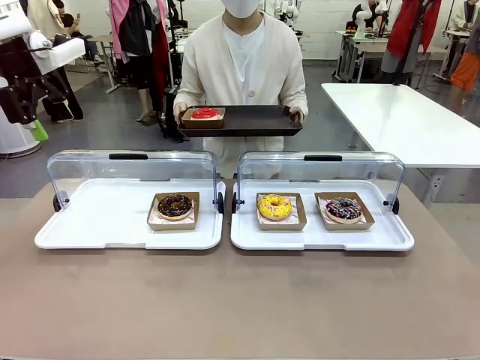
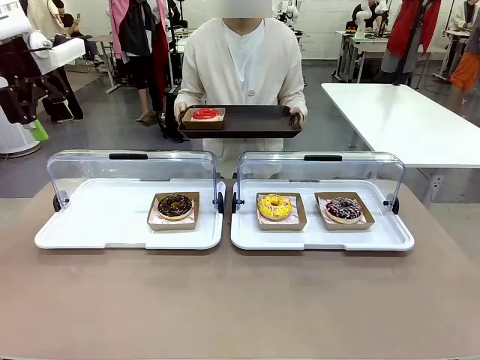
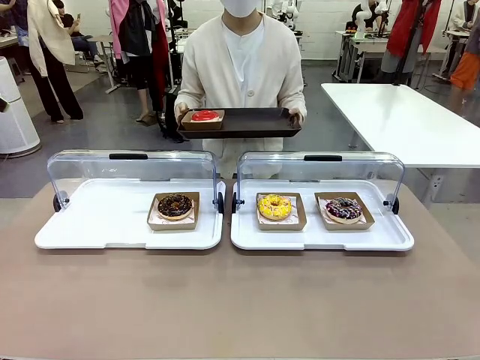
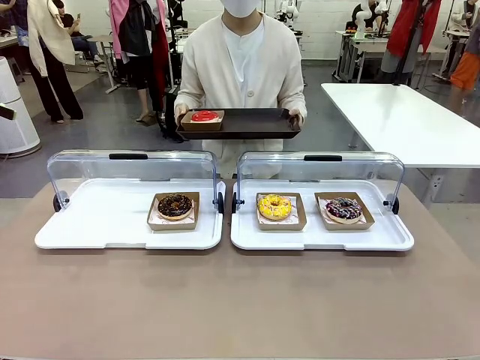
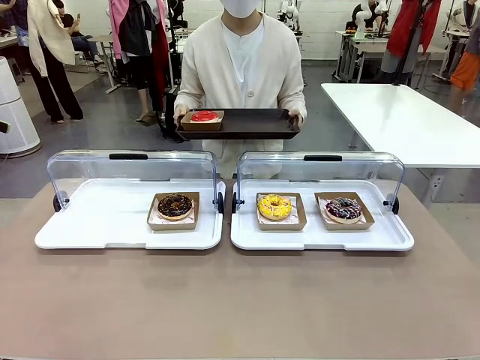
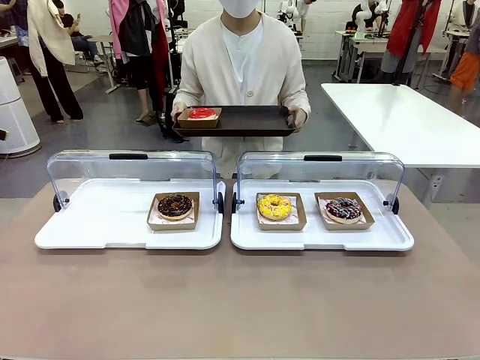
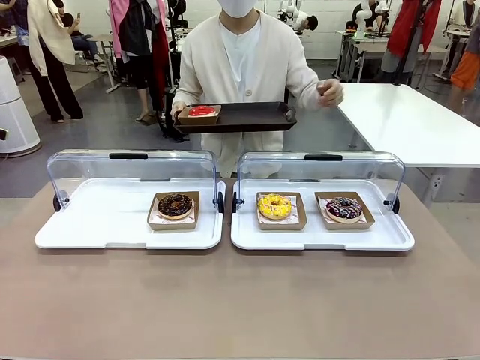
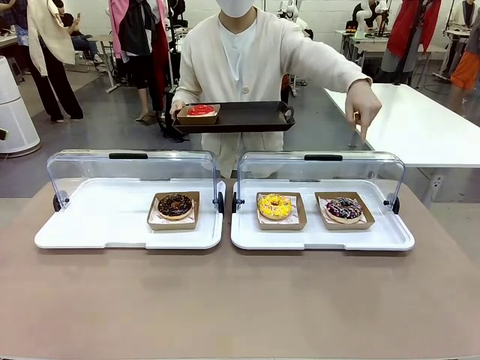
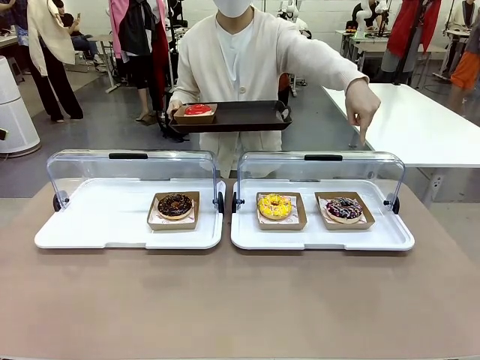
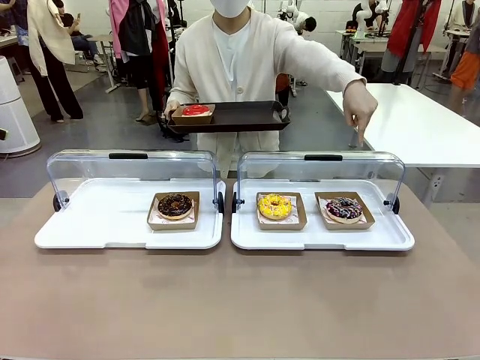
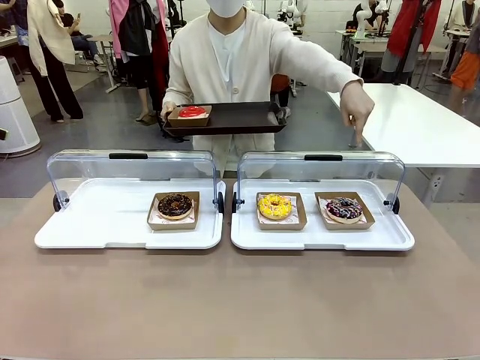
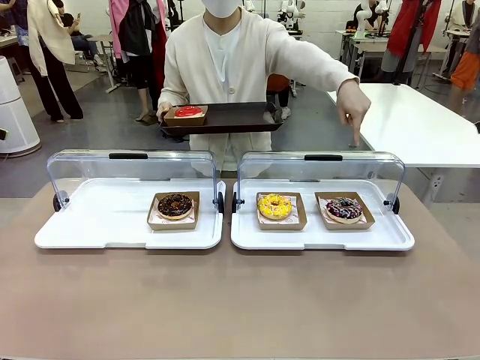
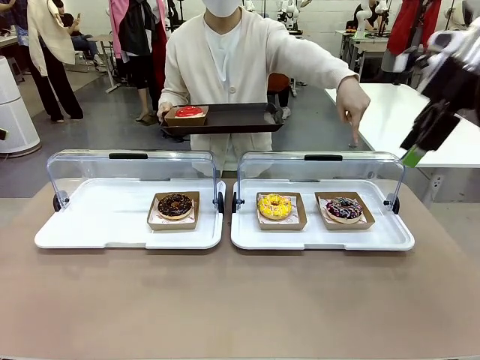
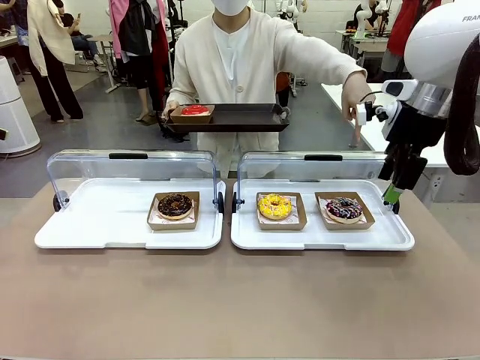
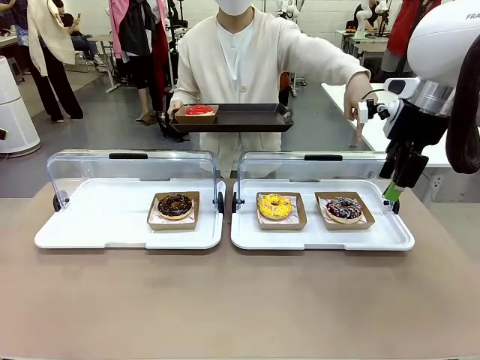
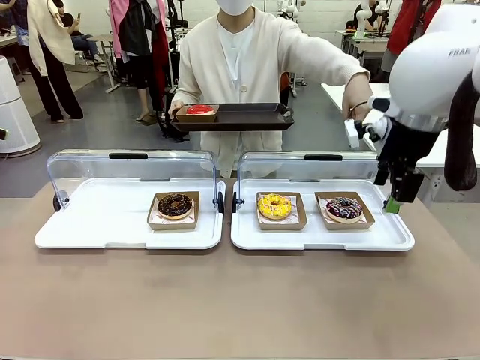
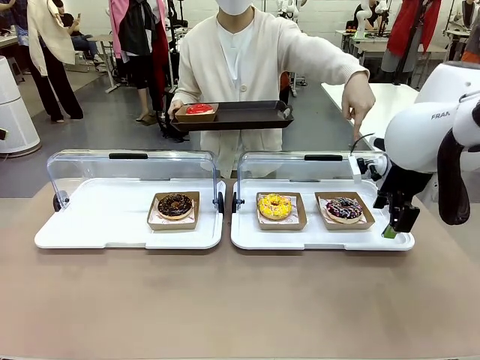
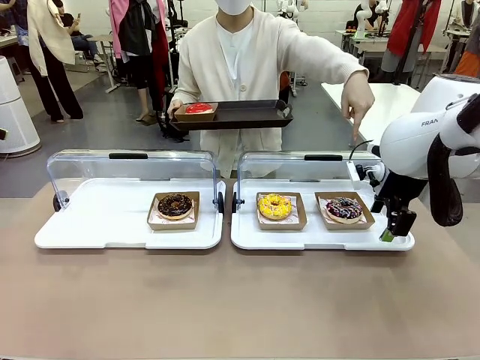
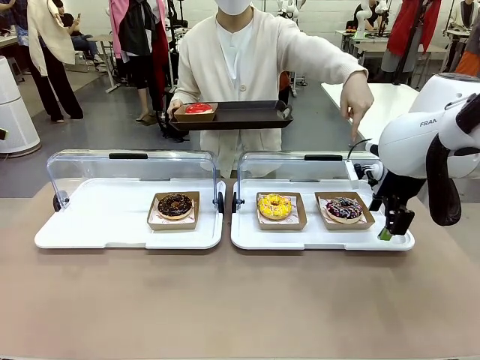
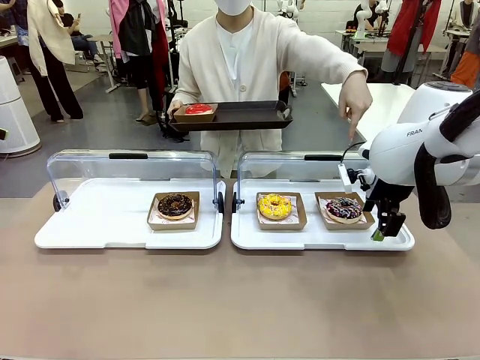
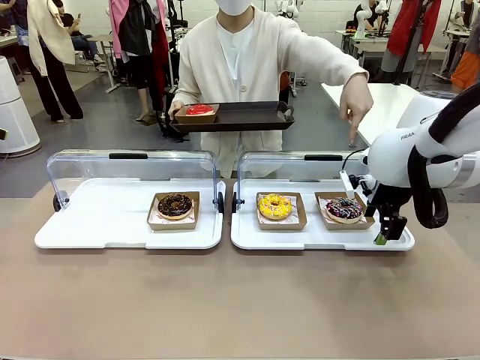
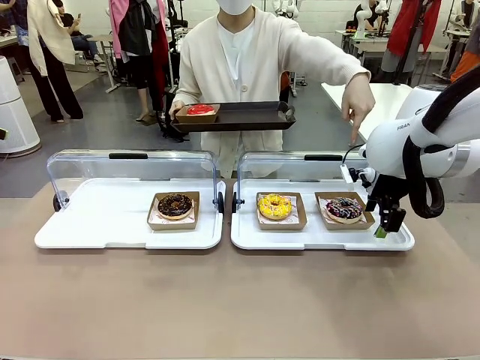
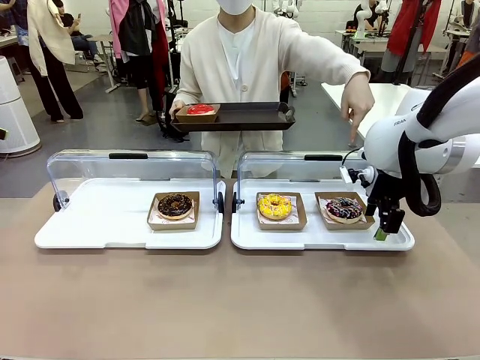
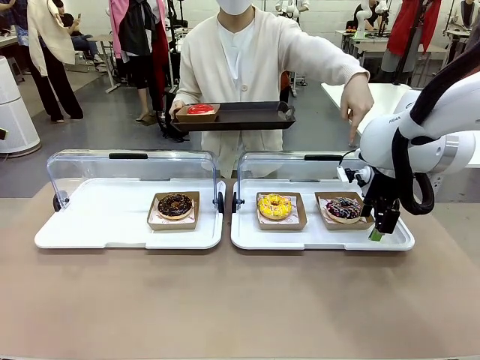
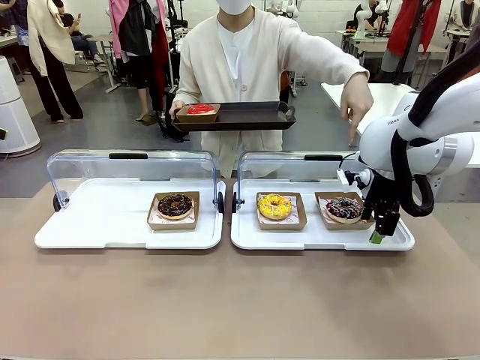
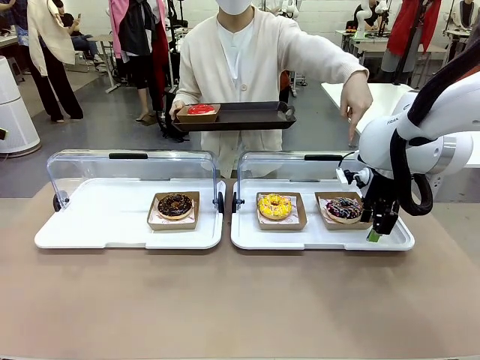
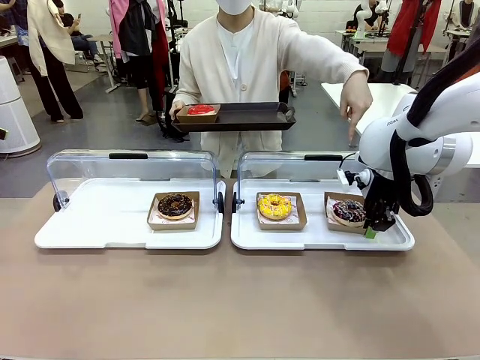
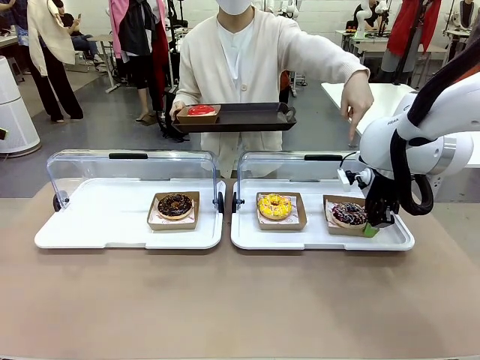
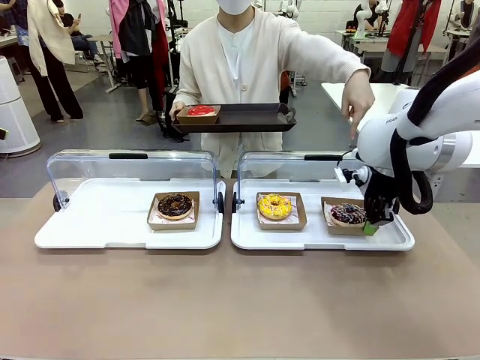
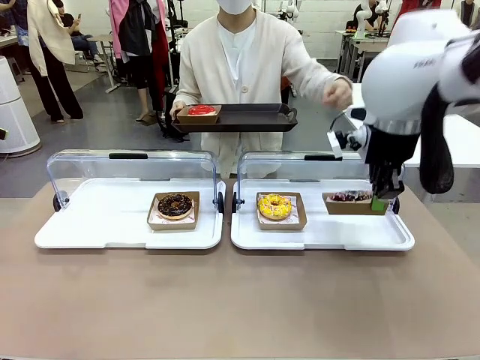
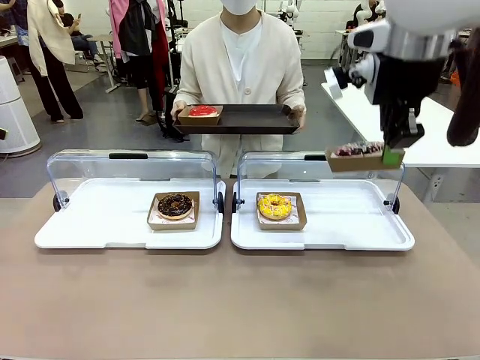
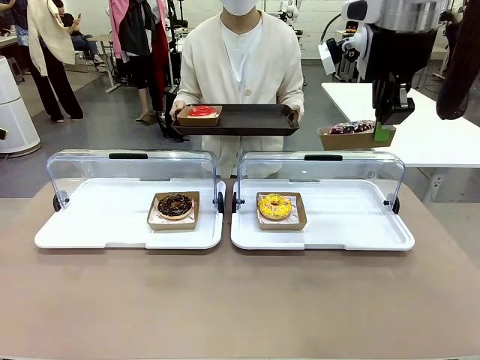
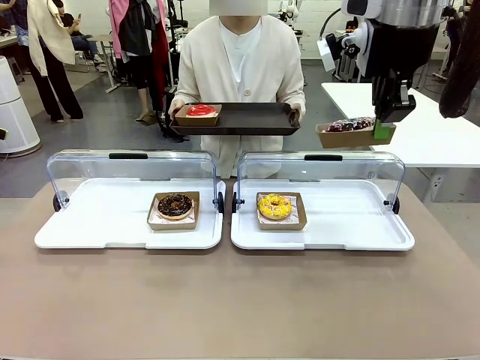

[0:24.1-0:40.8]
Task: Provide the desired donut to the person.
Robot: Pick up and lift the Paper togo box containing the Donut pointed at by the person.
Person: Point to one donut. Lift the tray onto the Roll-Top Bakery Case.

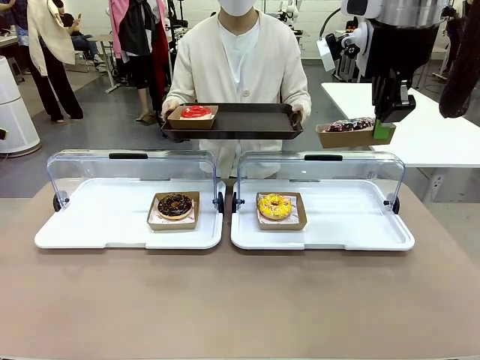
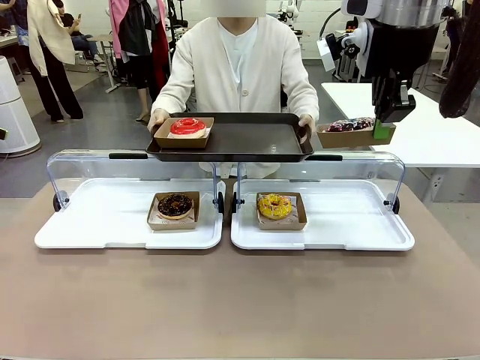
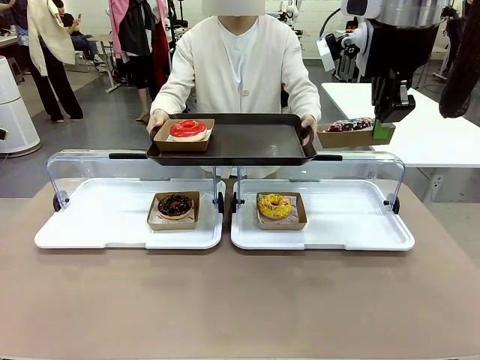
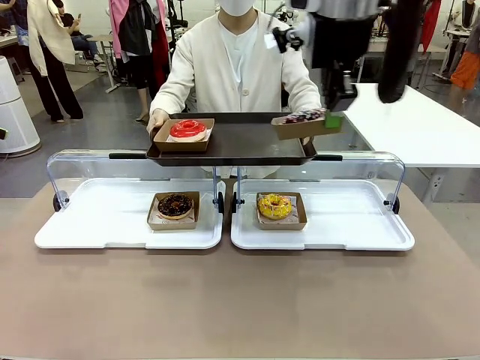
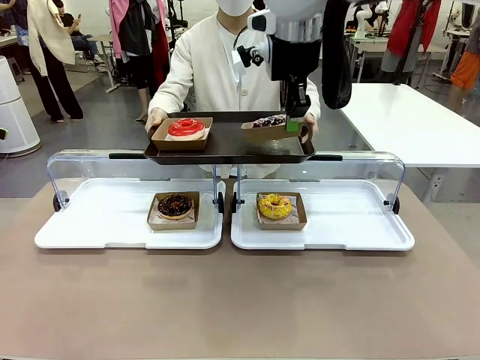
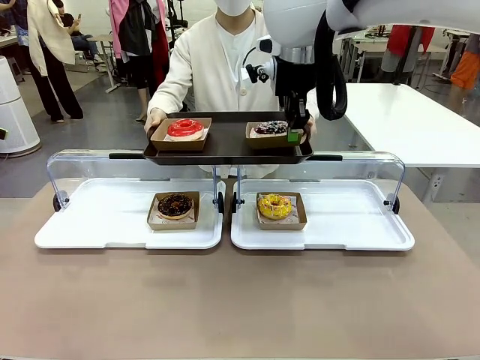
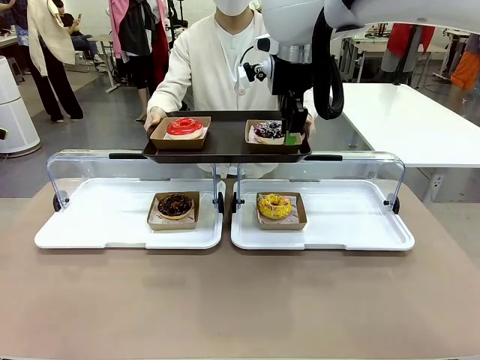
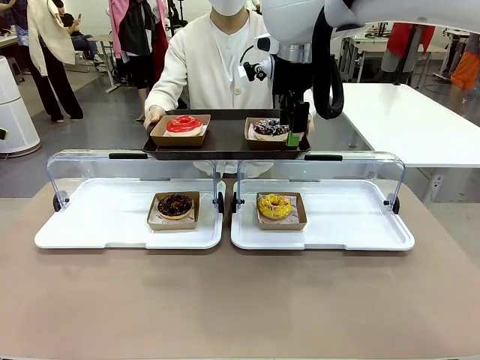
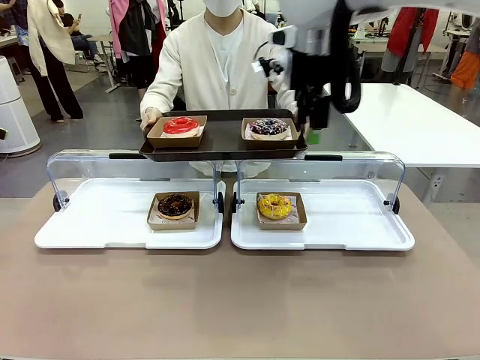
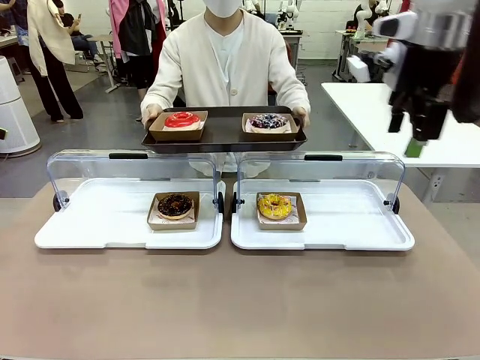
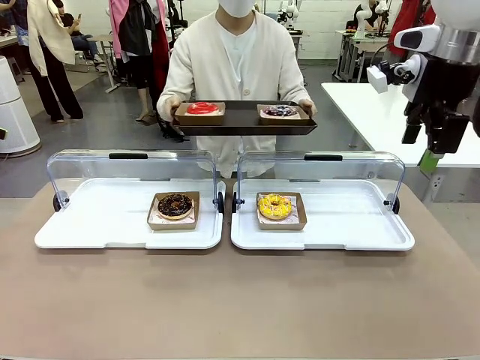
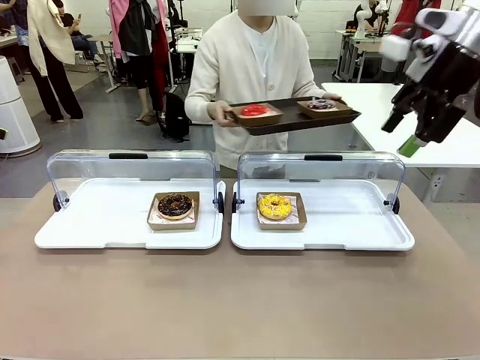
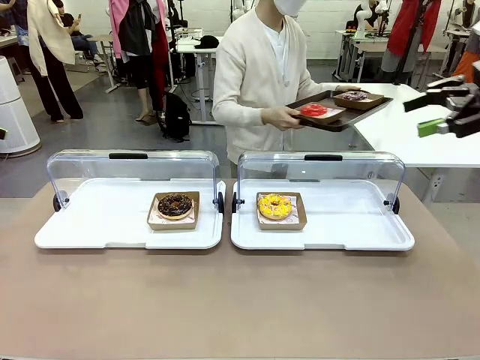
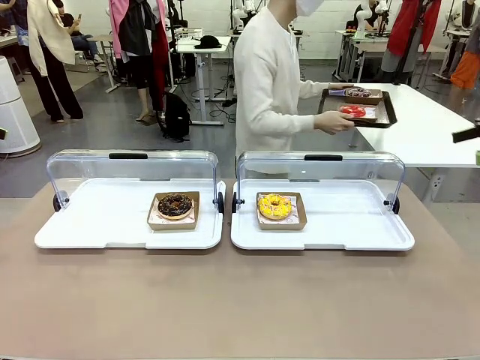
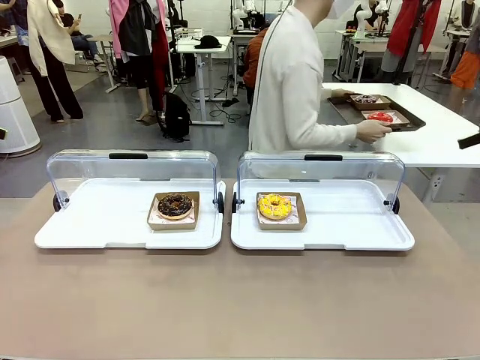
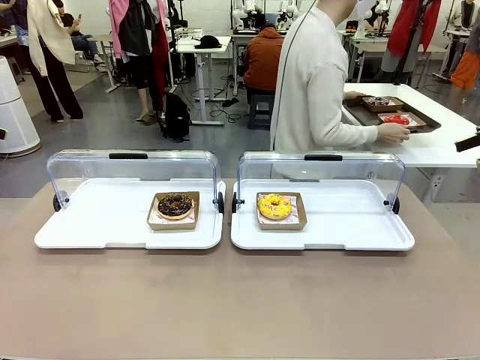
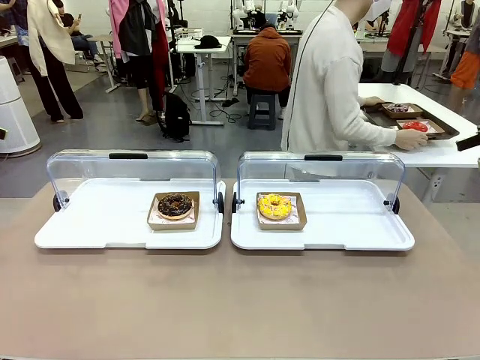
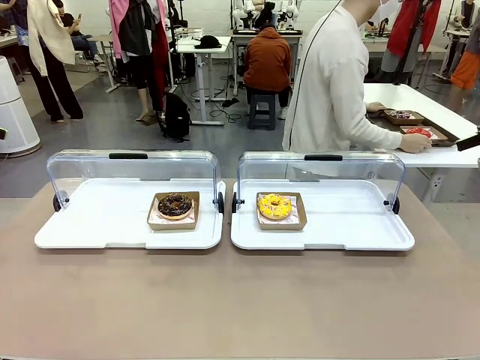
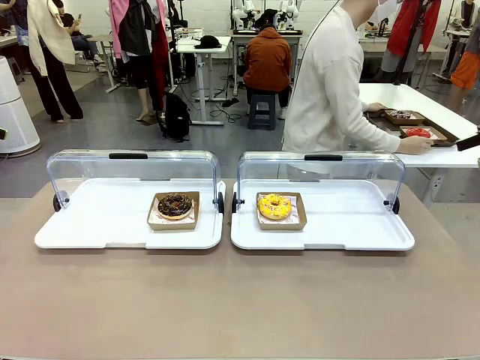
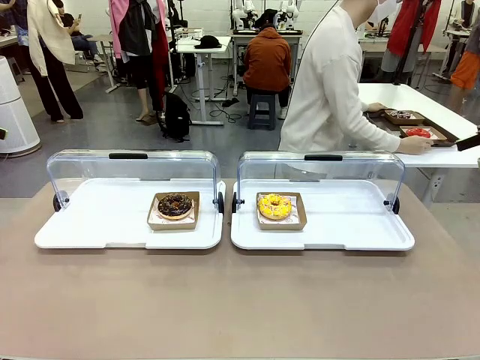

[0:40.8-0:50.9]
Robot: Place the picked Paper togo box onto the Handle tray extended by the person.
Person: Place the tray in the middle of the human table.
